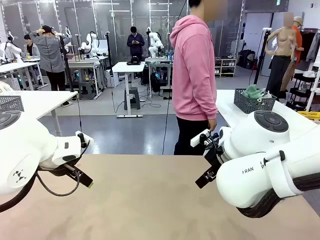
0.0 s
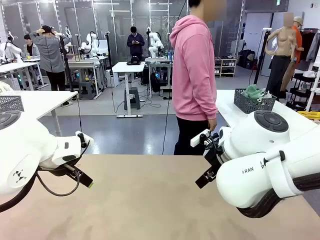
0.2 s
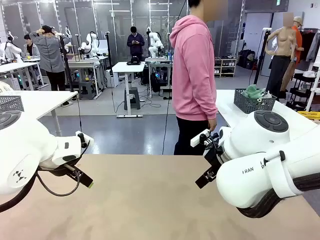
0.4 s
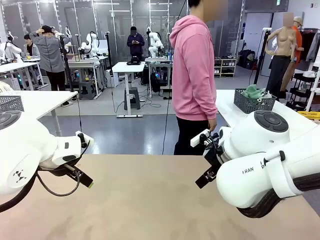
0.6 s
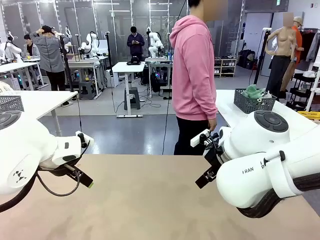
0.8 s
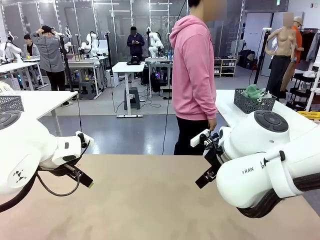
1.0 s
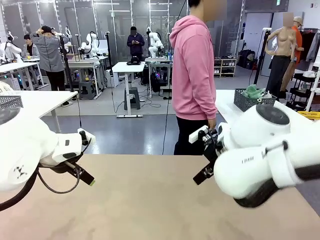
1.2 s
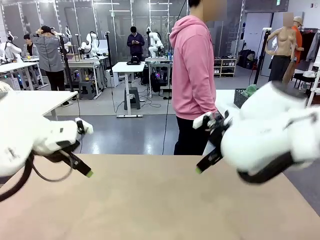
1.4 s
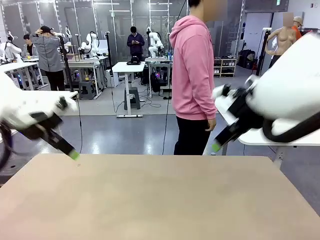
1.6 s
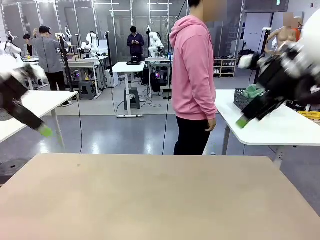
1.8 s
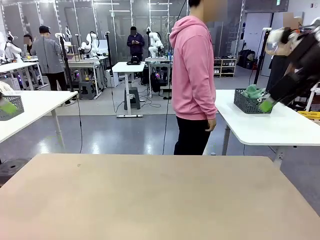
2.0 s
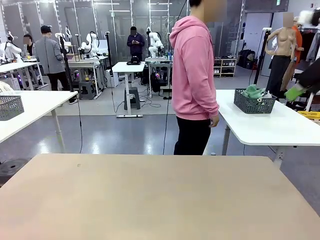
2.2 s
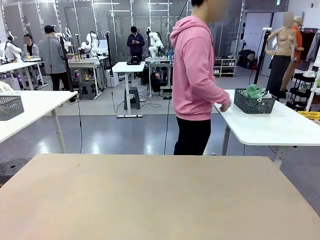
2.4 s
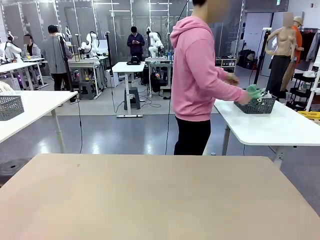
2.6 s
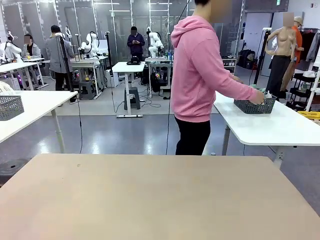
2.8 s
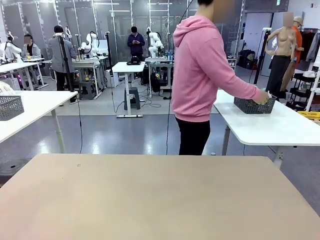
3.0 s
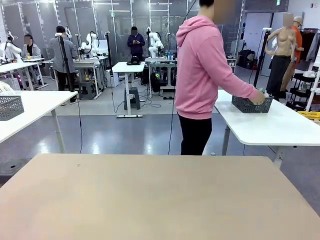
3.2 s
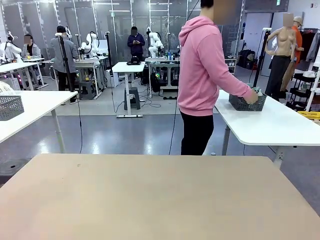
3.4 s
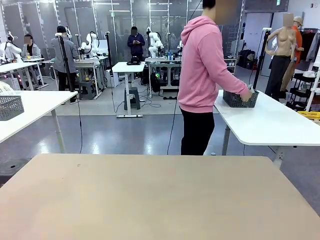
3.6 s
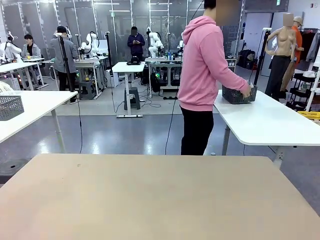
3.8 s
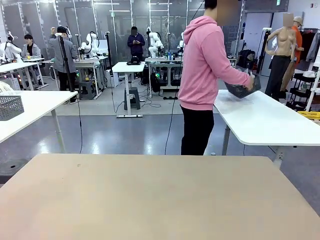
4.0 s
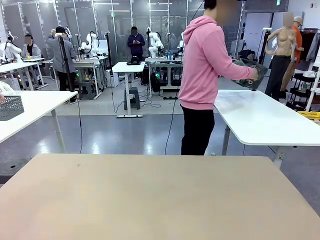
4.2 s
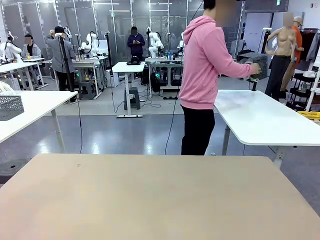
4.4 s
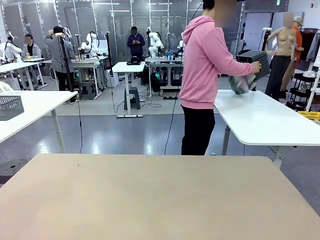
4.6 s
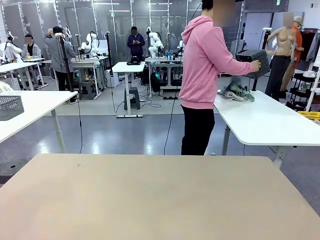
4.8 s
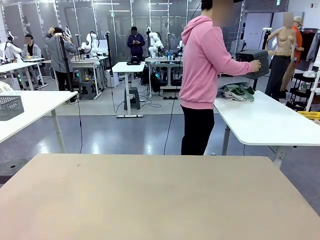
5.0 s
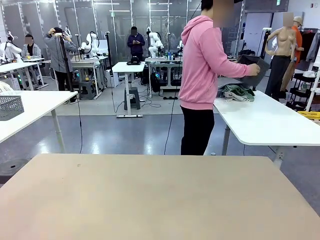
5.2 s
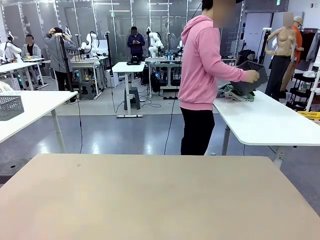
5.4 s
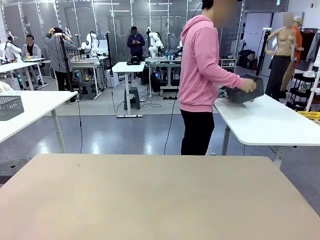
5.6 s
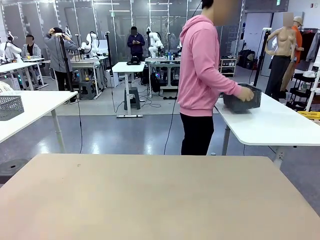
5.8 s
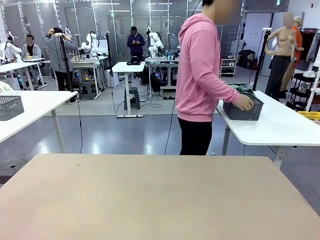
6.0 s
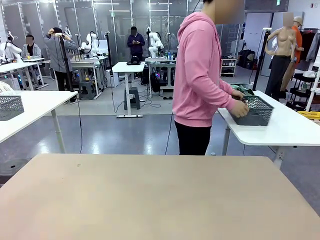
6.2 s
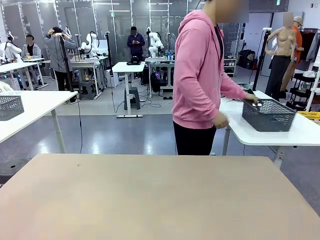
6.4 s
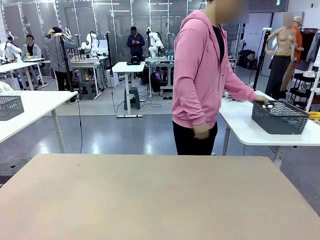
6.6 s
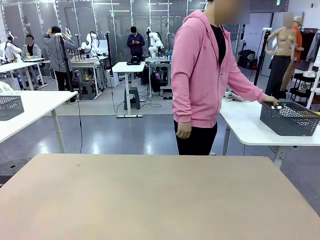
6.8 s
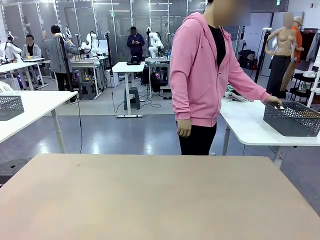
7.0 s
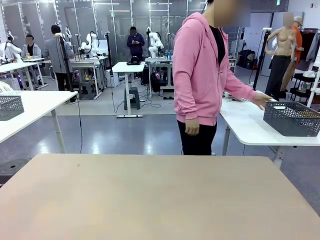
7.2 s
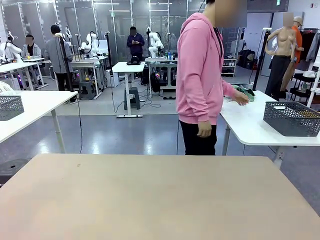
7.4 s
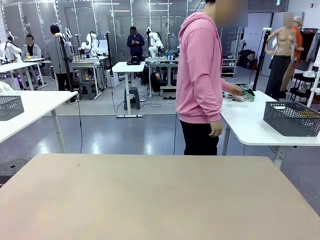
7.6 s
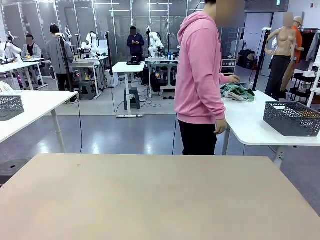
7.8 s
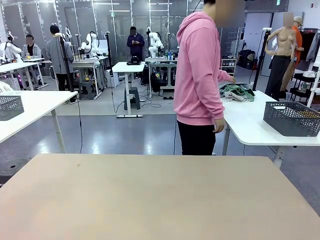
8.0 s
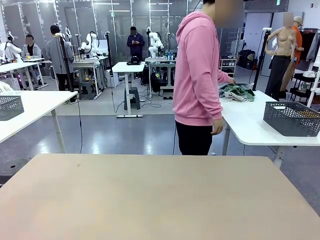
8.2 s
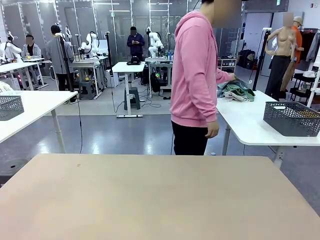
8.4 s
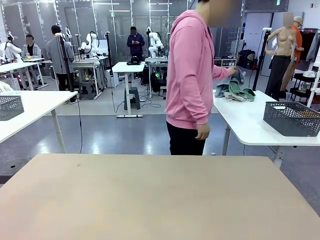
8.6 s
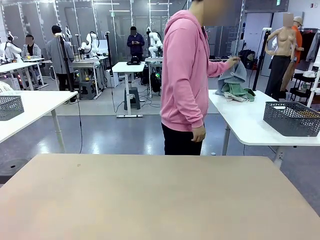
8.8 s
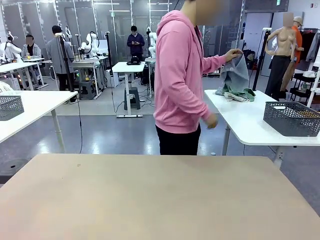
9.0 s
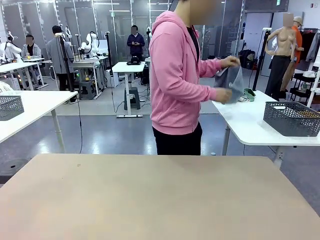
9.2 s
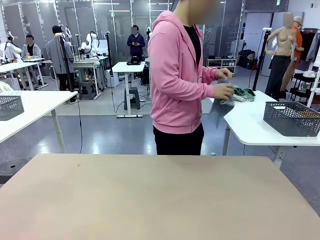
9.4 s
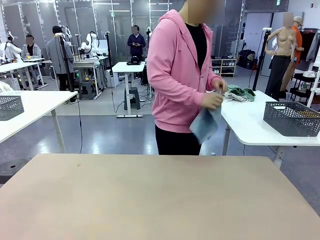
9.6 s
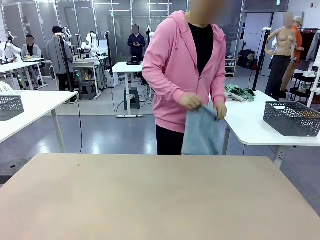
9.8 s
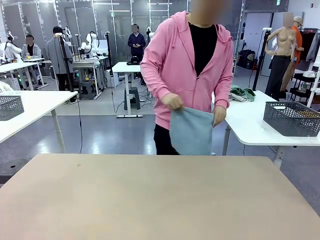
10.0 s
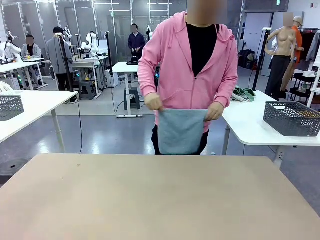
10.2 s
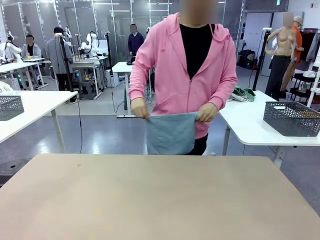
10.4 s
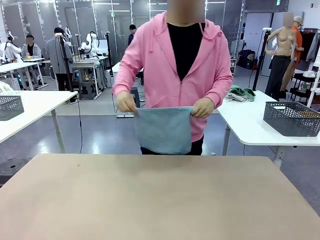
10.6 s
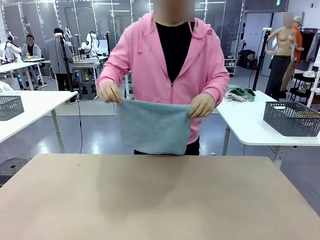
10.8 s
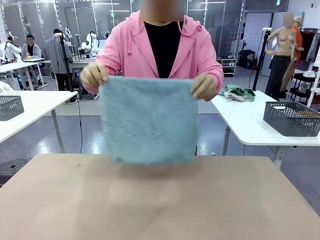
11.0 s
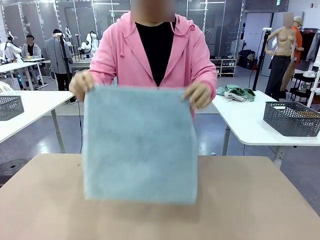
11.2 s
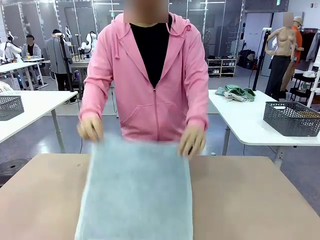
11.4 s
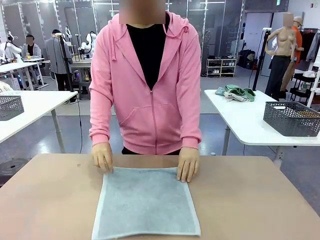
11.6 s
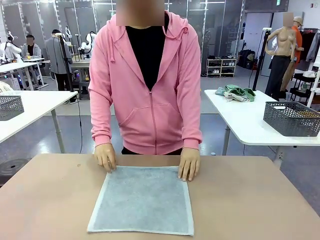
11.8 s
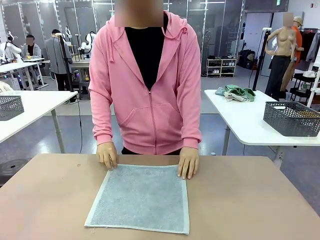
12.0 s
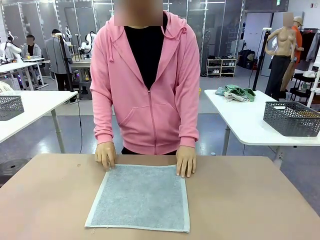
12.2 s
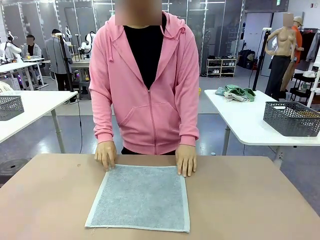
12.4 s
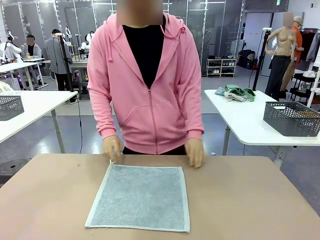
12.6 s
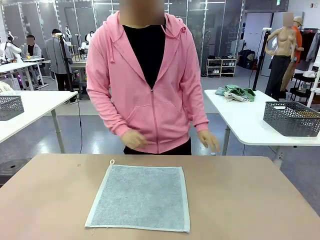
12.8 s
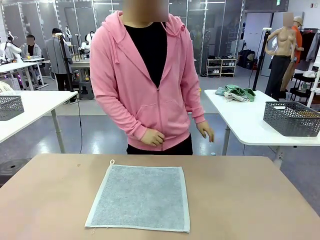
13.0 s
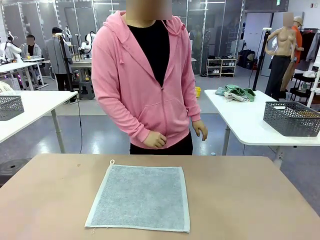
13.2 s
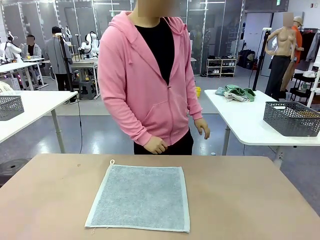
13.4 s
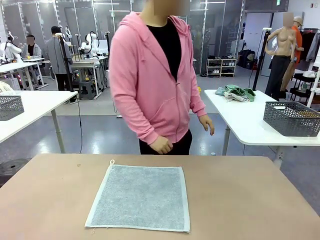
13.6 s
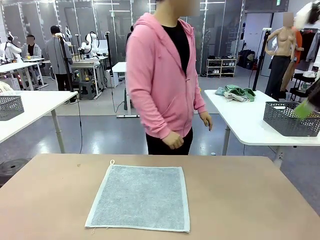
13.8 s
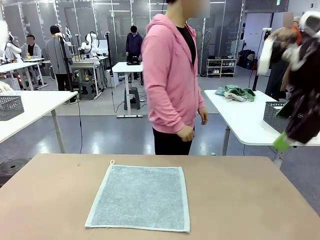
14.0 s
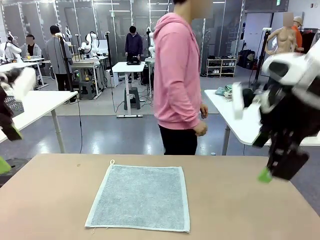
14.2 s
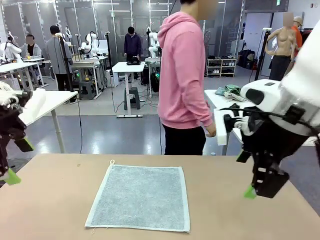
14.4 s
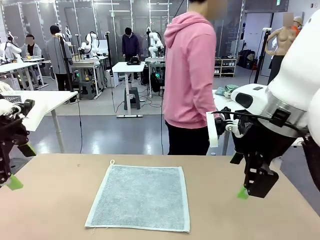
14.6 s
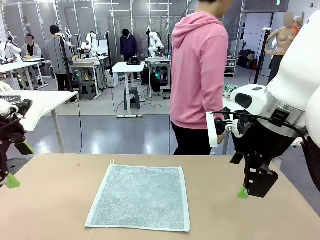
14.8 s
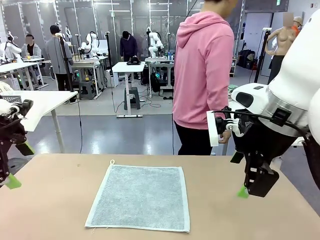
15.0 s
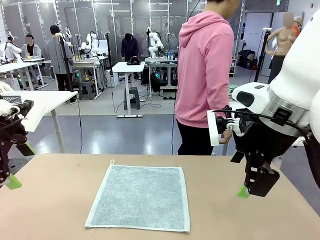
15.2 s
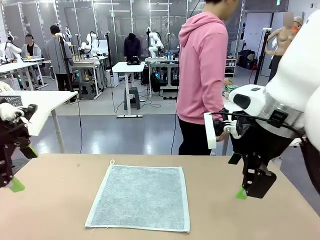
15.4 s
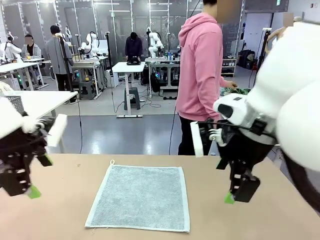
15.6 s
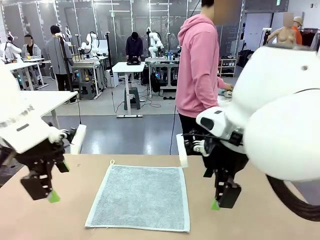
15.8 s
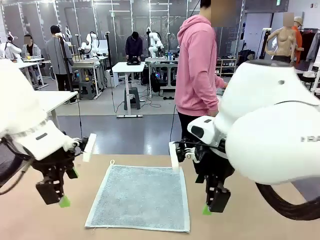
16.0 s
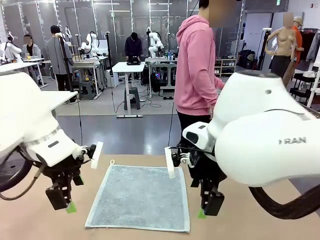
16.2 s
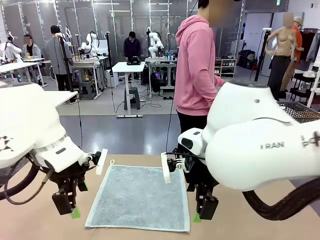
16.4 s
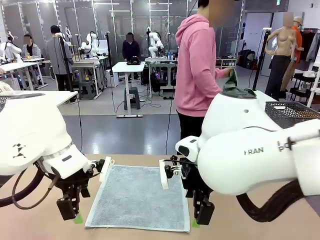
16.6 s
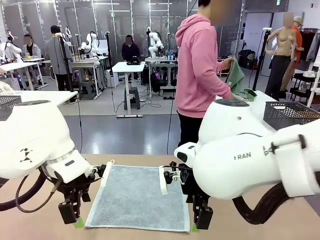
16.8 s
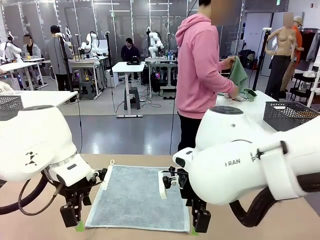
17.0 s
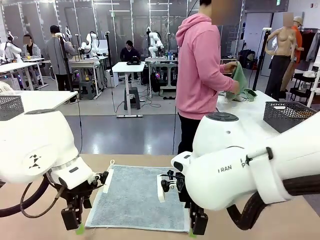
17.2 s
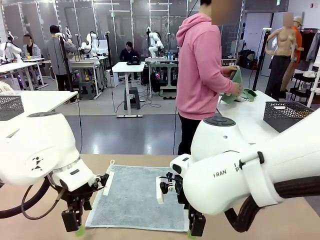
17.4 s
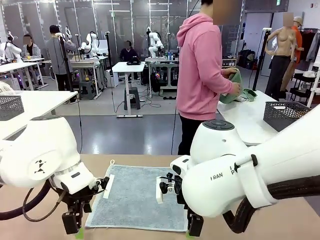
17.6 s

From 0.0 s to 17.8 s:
Task: Fold the towels and place them in the basket.
Robot: When a person lays out a Towel with hook on the table, fold it in half twice.
Person: Pick up the basket, pour the towels onto the left side of the human table, and place the basket on the right side. Pick up one towel and spread it out at the center of the robot table.
